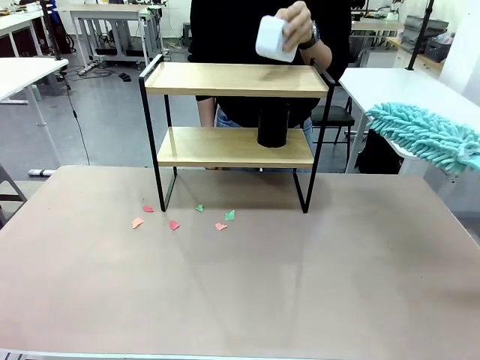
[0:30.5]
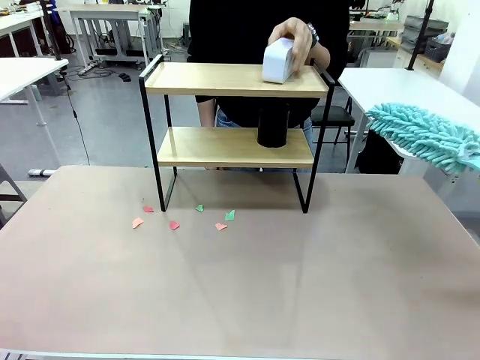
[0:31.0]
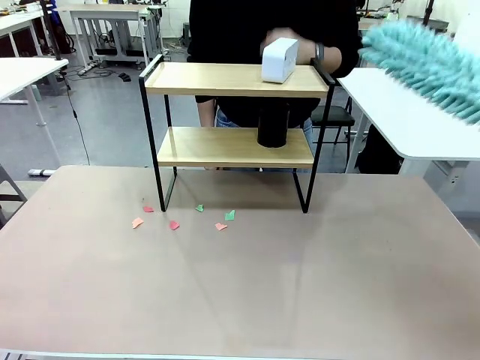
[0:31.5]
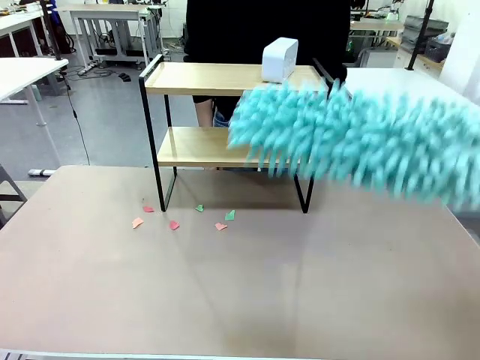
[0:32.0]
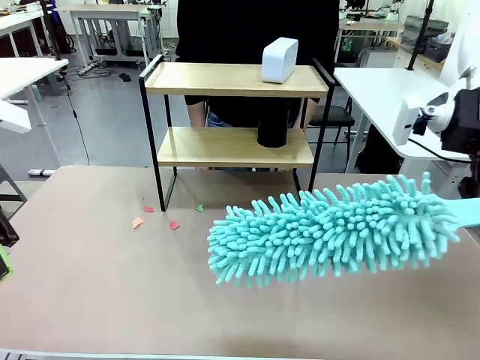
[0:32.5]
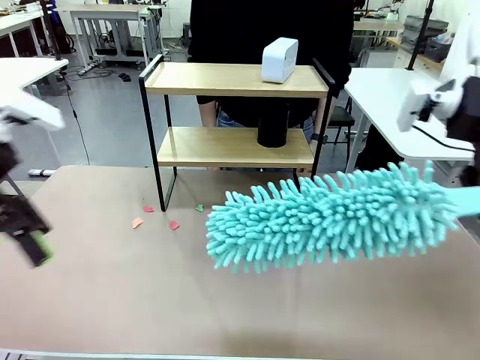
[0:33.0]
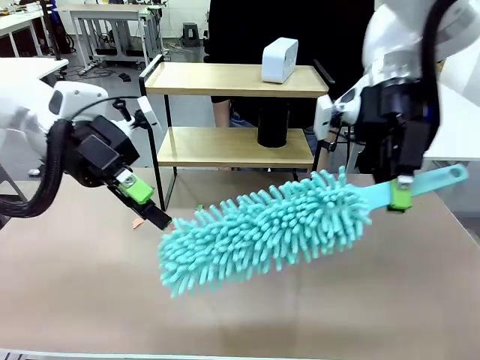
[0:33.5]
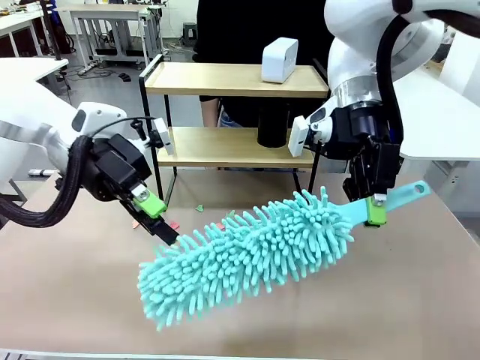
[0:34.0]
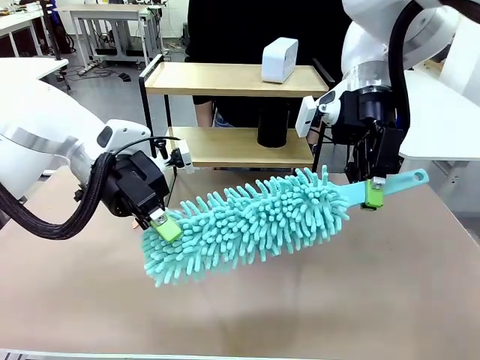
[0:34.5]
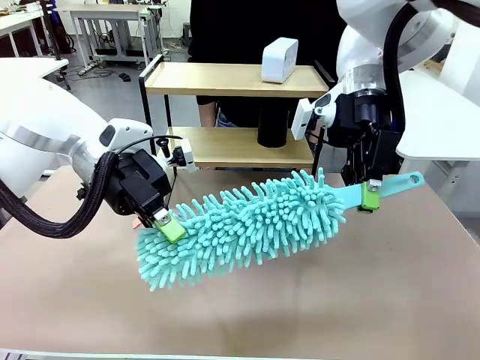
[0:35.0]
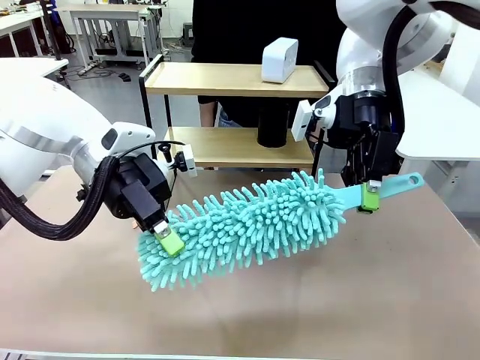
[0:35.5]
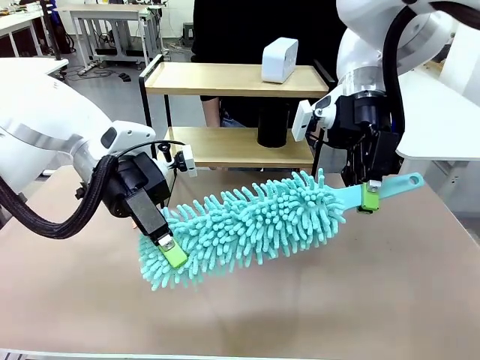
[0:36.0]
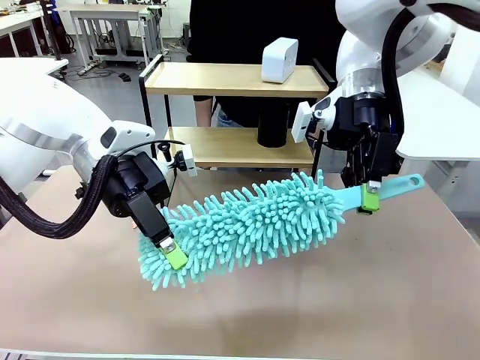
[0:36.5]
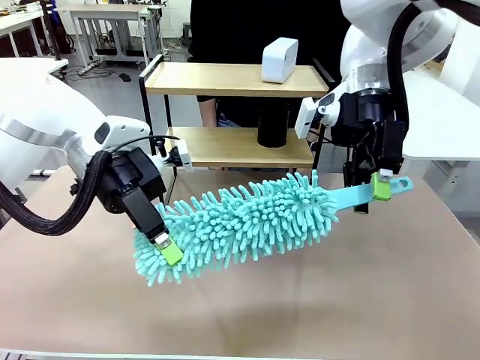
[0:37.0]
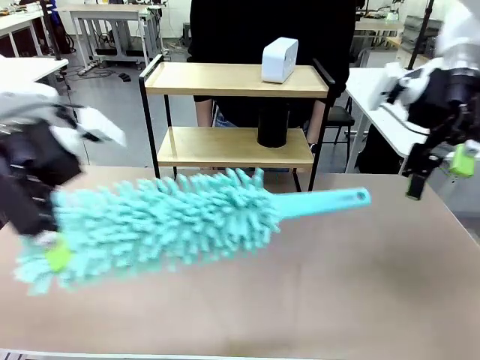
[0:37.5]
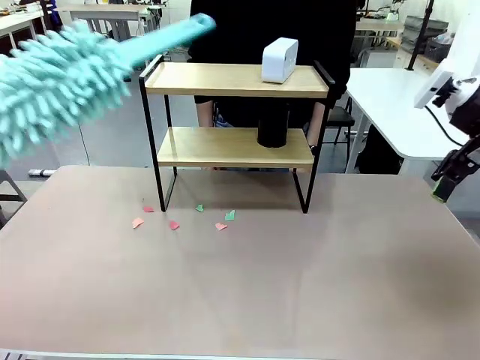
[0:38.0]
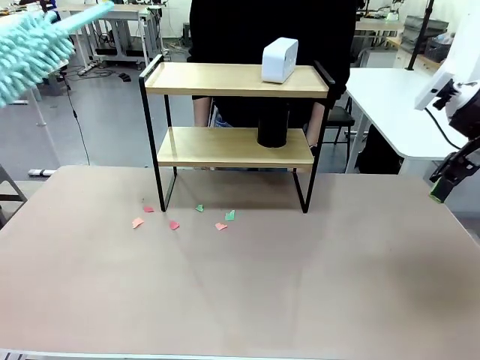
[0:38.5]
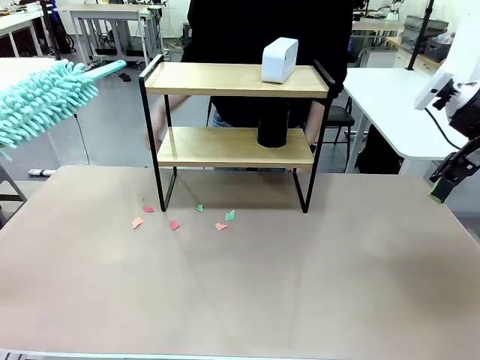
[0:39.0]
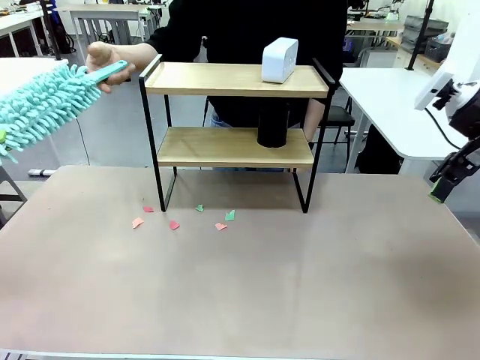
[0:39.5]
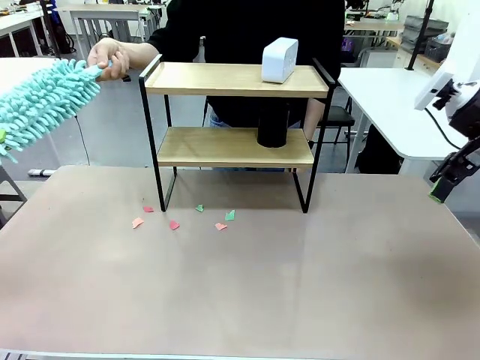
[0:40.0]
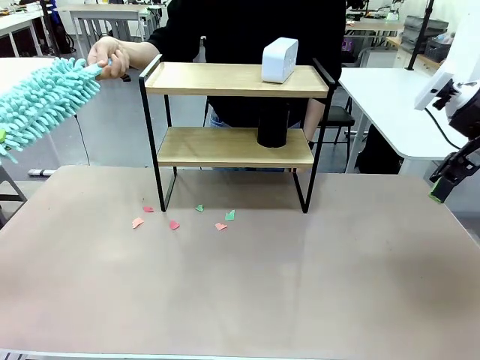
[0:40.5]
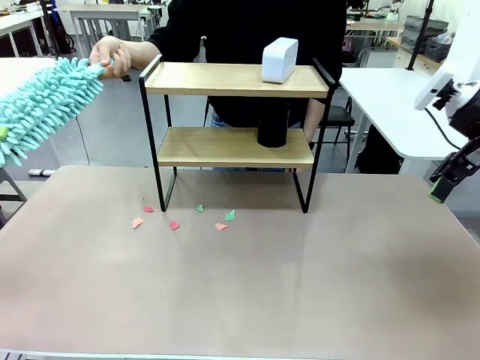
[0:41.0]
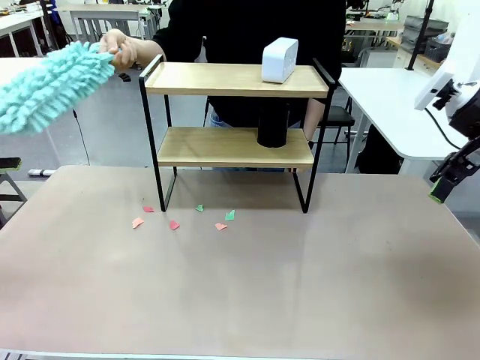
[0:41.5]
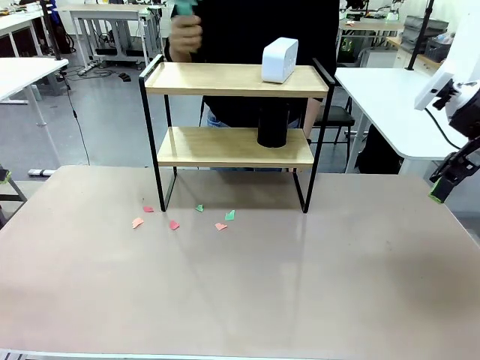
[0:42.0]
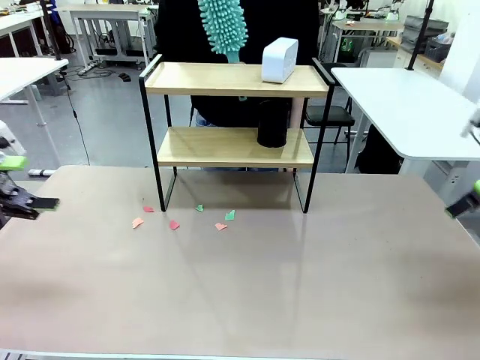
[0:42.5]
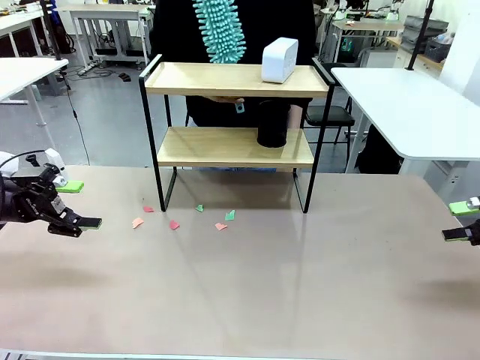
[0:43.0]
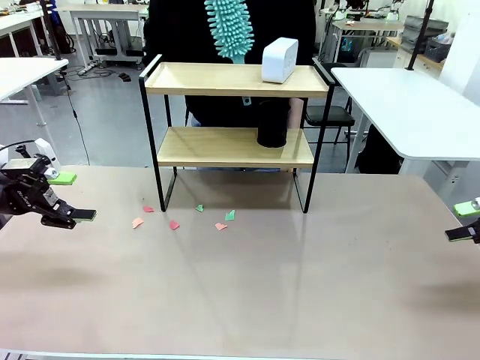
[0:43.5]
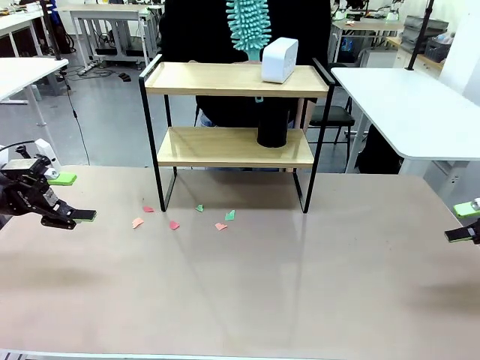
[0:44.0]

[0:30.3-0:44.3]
Task: Clean the shelf.
Robot: Hand the Duster back to the human.
Person: Receive the Duster from the robot.

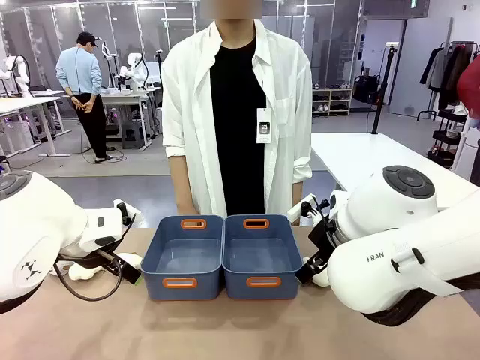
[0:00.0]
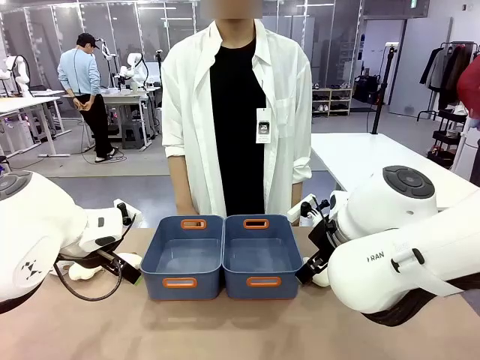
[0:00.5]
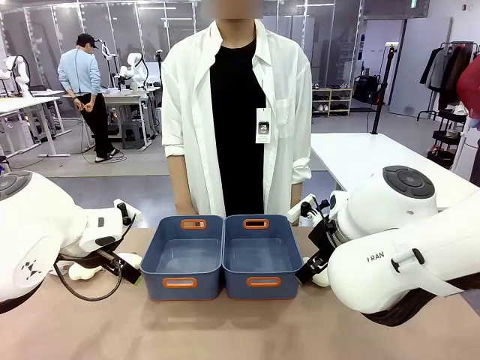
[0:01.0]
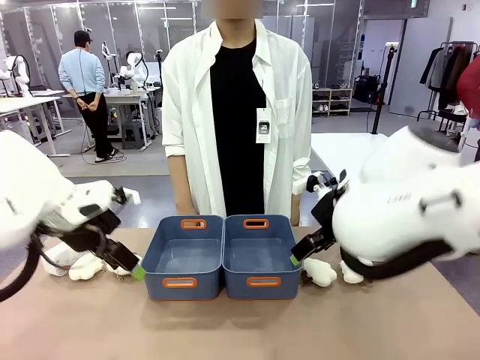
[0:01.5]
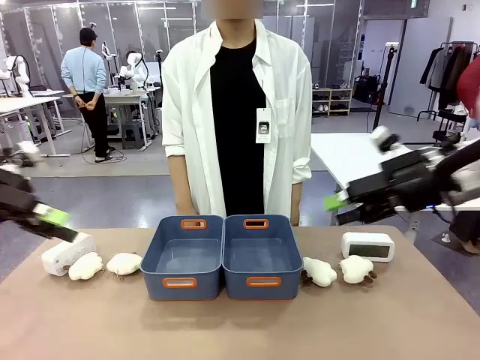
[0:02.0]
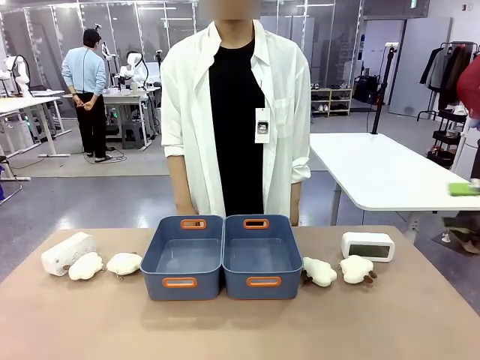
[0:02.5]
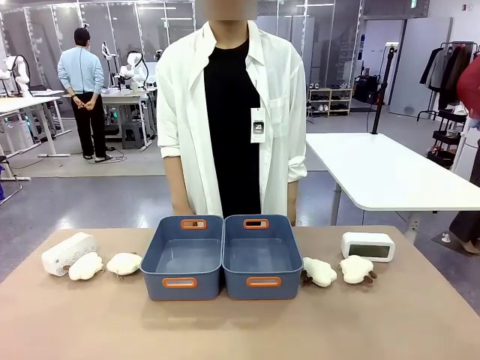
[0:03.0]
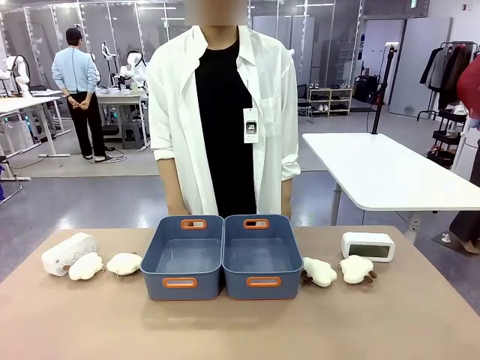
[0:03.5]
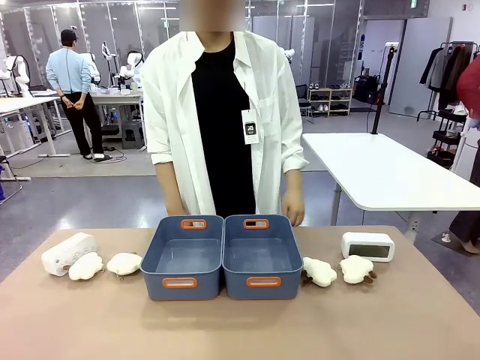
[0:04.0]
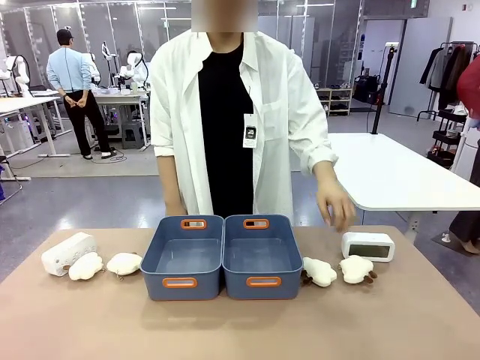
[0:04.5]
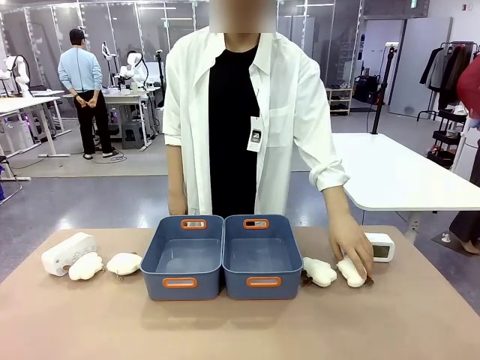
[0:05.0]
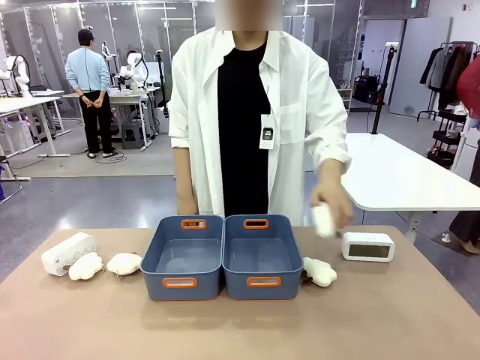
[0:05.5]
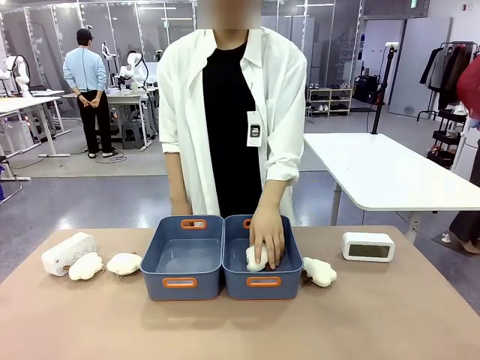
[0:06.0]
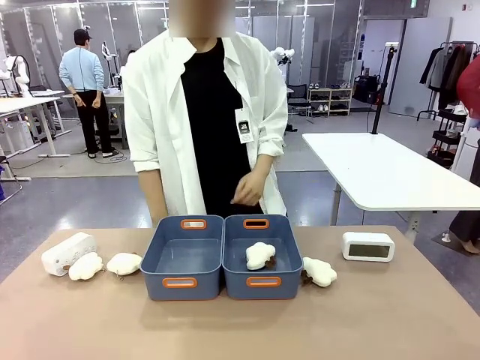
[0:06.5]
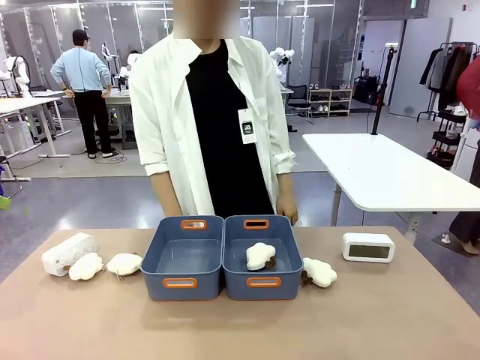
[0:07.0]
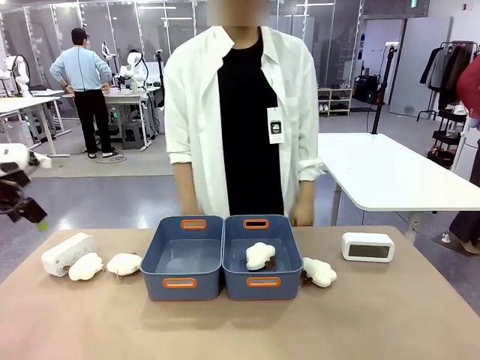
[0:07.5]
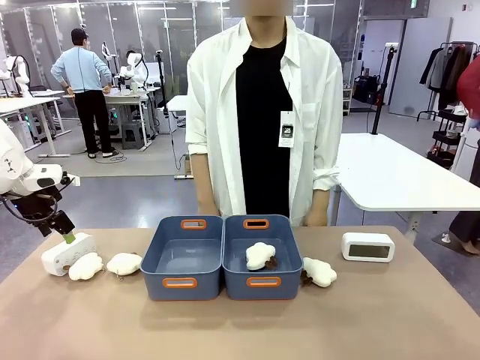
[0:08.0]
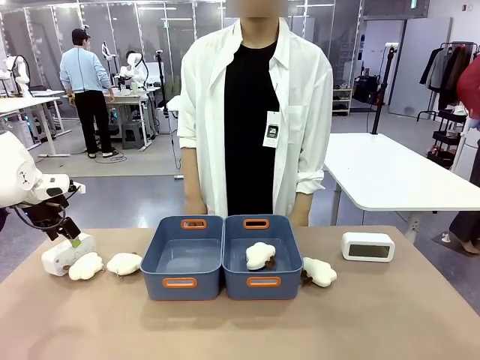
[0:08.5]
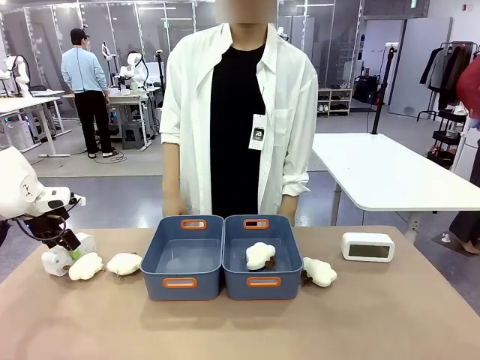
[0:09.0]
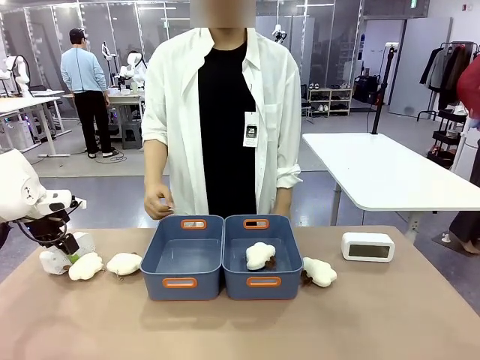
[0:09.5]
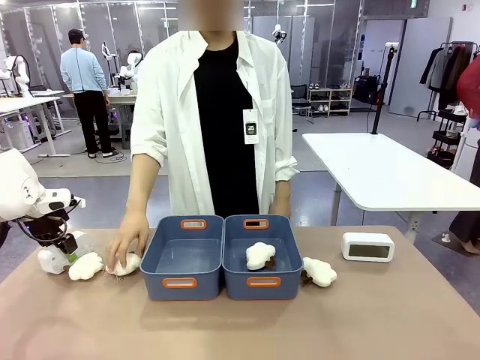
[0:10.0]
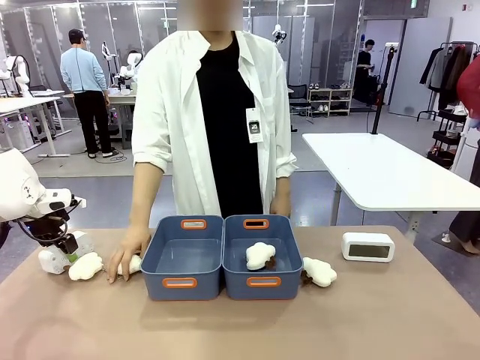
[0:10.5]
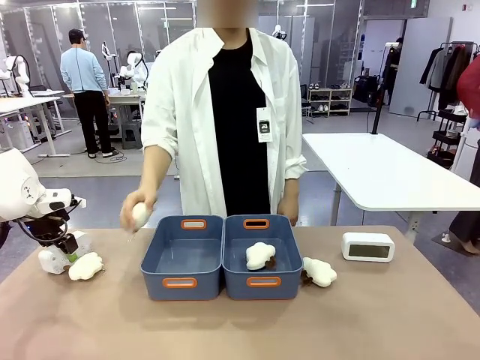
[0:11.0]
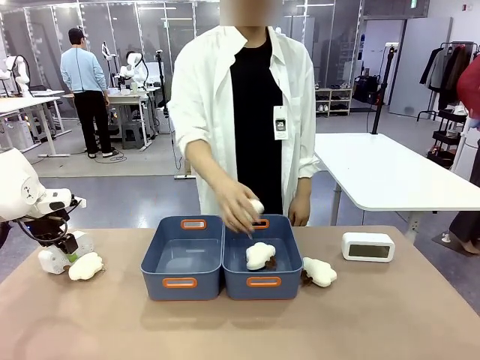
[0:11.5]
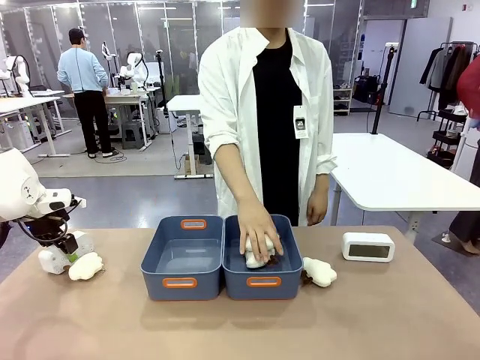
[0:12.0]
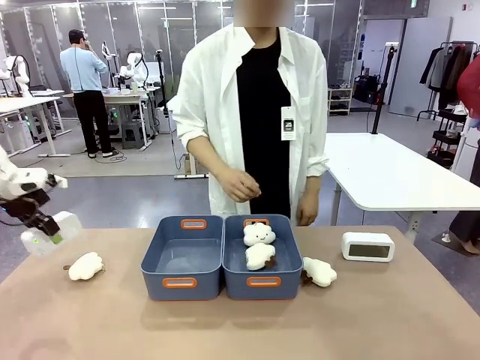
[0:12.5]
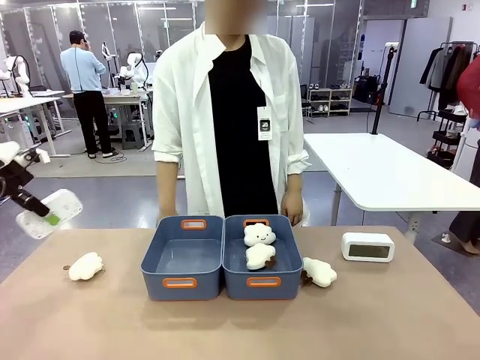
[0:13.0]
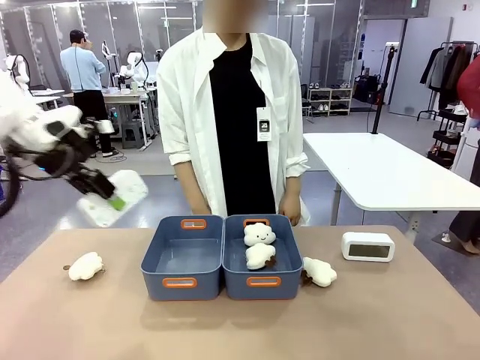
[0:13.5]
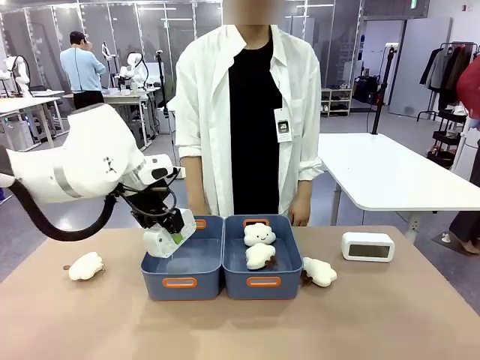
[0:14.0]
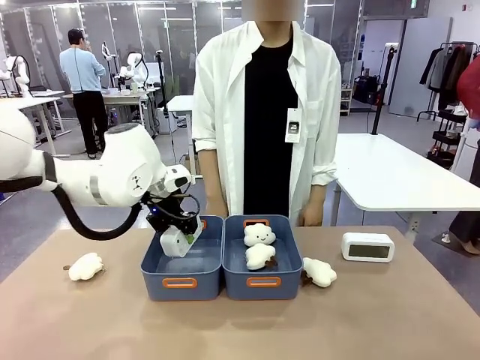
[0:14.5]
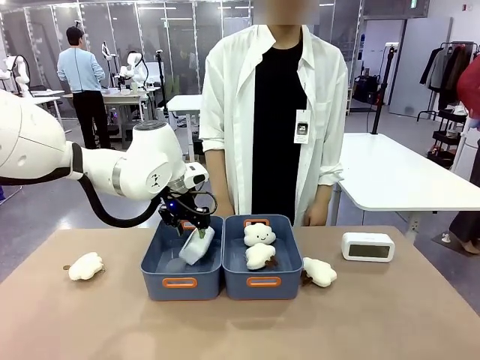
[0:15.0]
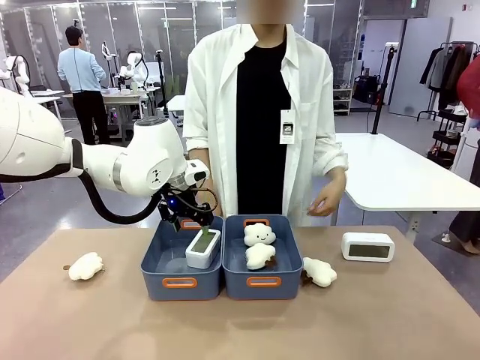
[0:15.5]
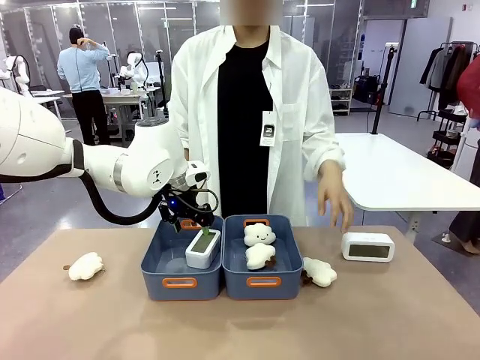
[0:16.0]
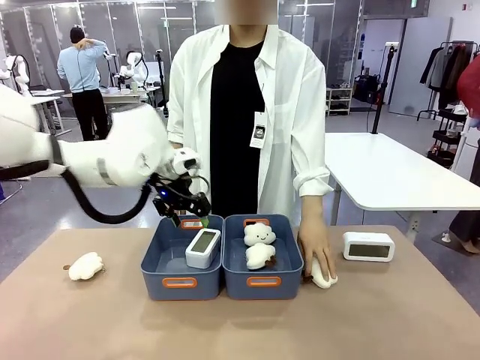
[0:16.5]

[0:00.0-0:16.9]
Task: Sort the digital clocks into the basket.
Robot: Pick up the Digital clock from the table and place it into the empty Plastic storage basket.
Person: Pick up a plush toy from the table and place it in a plastic storage basket.
